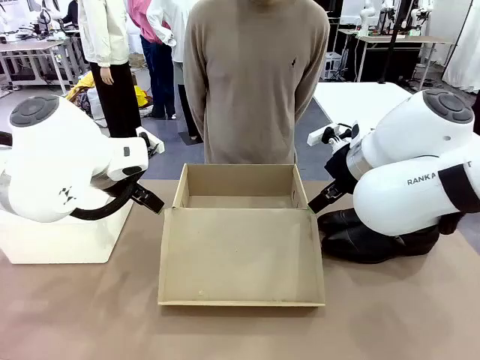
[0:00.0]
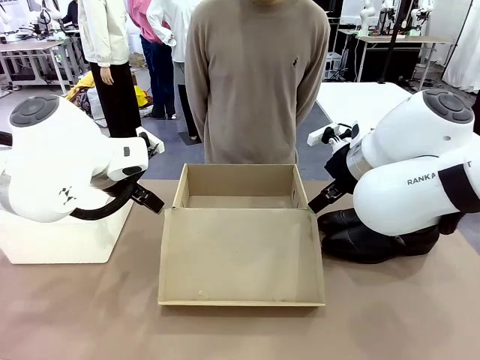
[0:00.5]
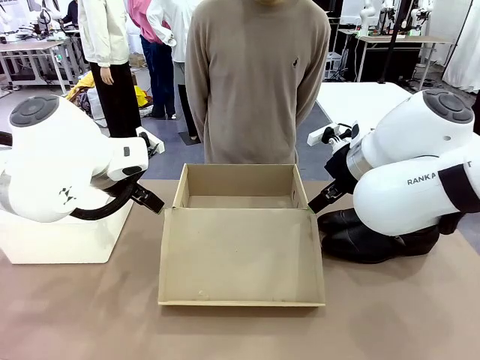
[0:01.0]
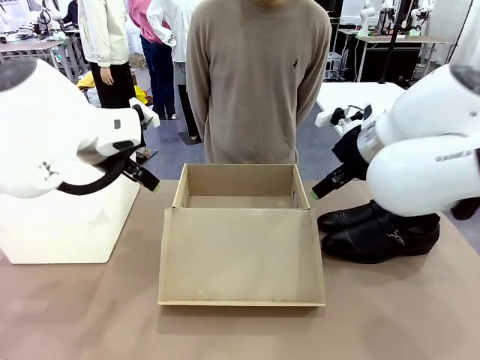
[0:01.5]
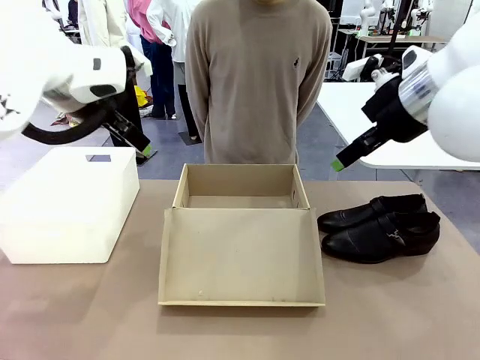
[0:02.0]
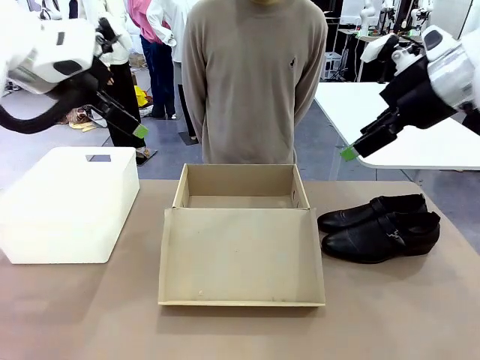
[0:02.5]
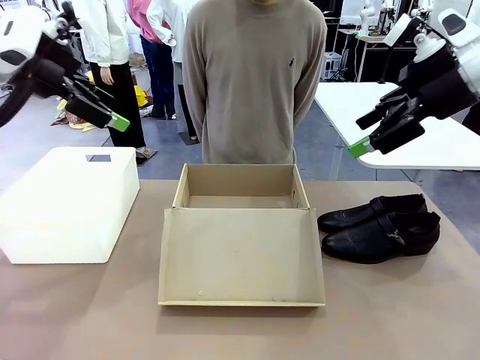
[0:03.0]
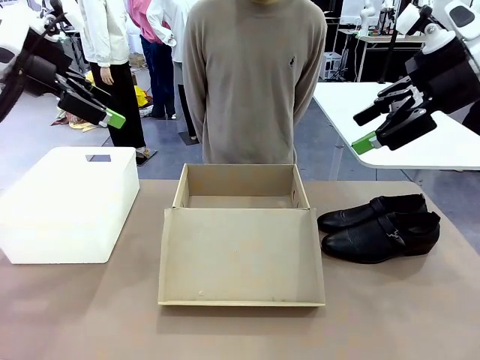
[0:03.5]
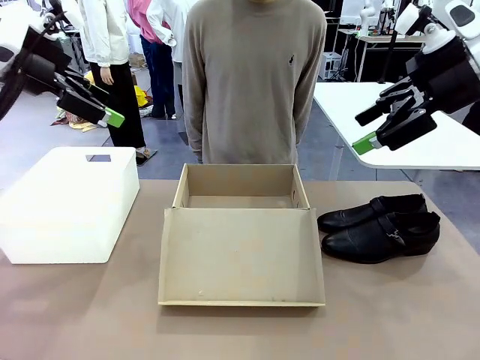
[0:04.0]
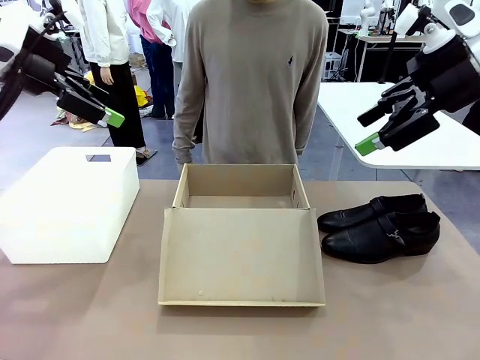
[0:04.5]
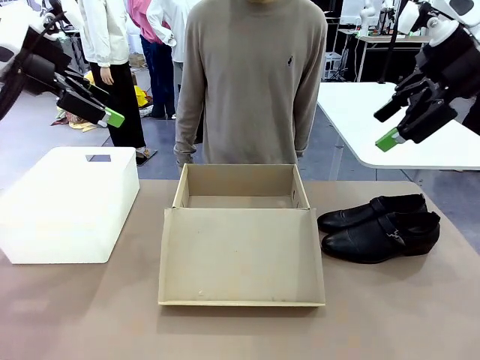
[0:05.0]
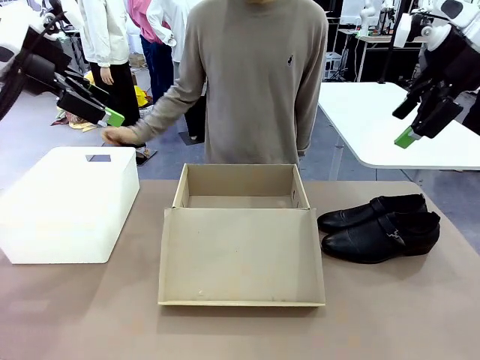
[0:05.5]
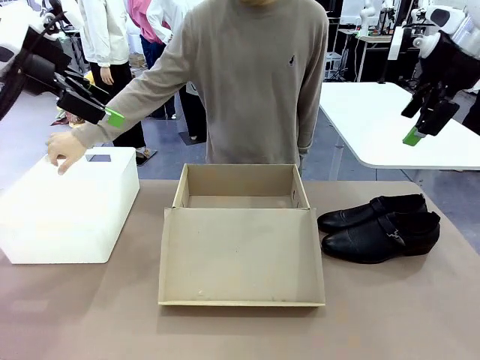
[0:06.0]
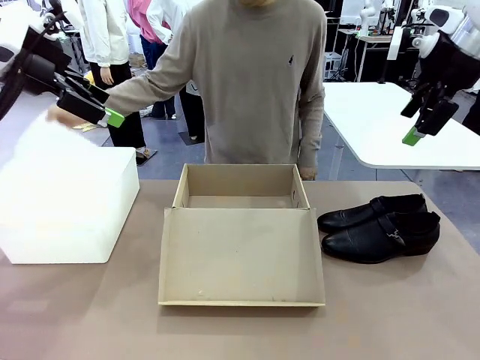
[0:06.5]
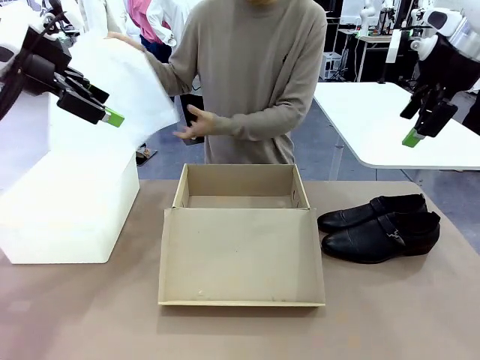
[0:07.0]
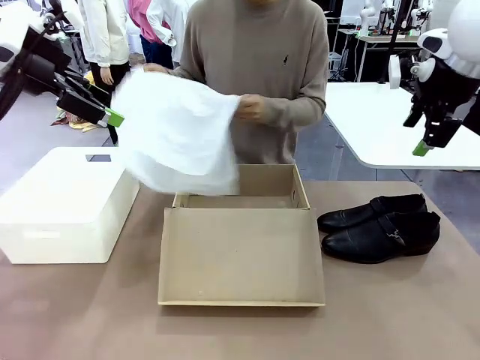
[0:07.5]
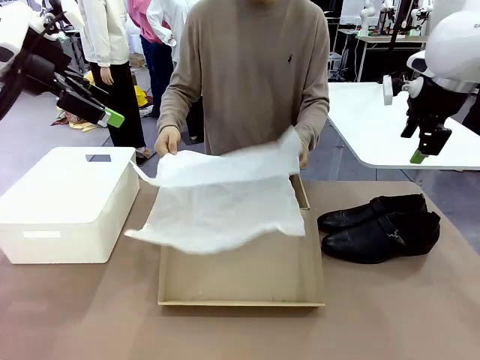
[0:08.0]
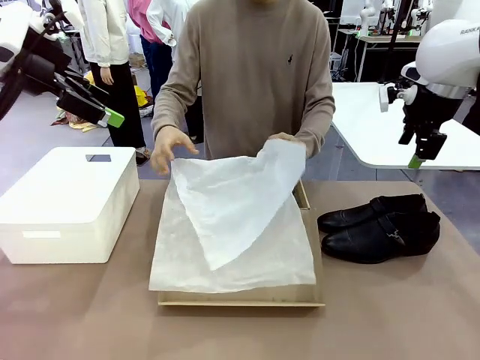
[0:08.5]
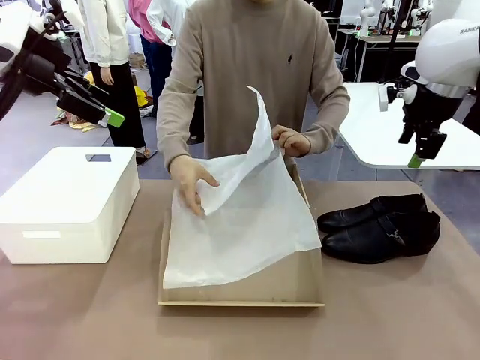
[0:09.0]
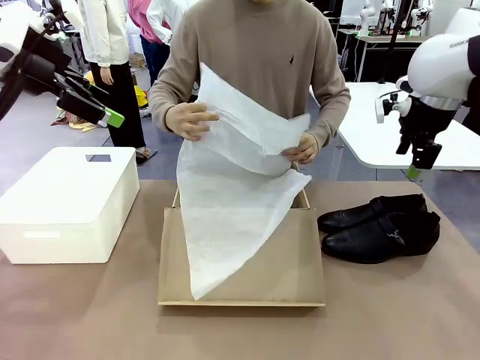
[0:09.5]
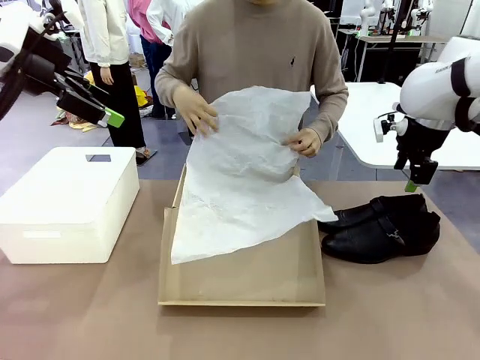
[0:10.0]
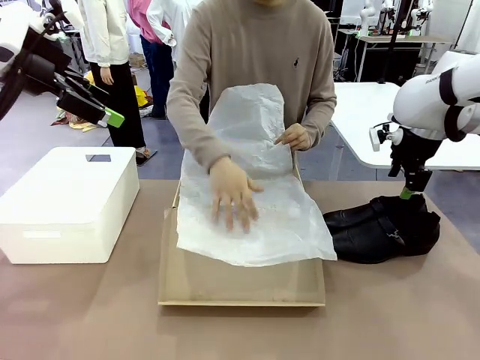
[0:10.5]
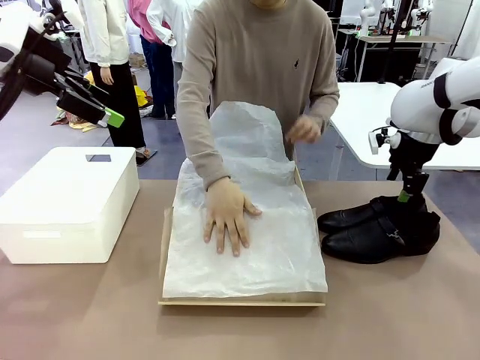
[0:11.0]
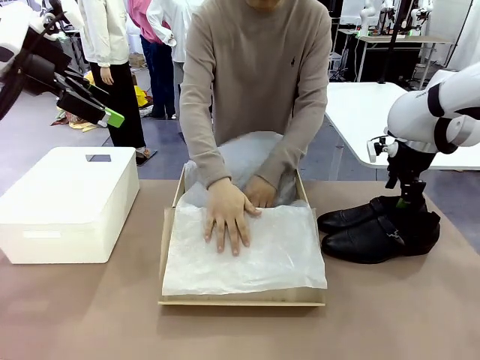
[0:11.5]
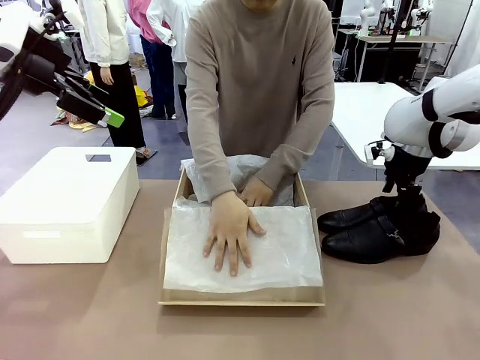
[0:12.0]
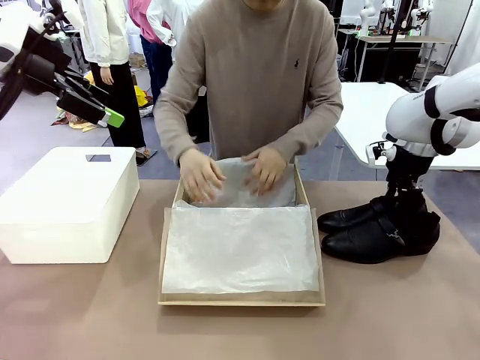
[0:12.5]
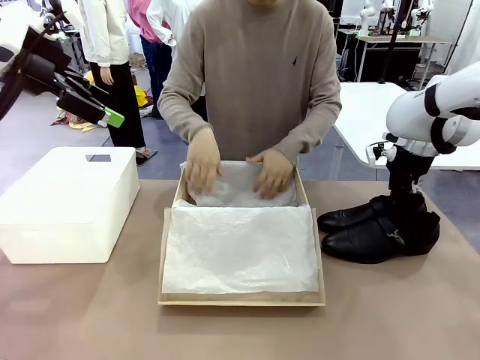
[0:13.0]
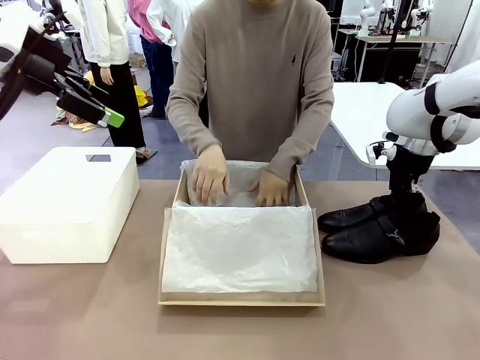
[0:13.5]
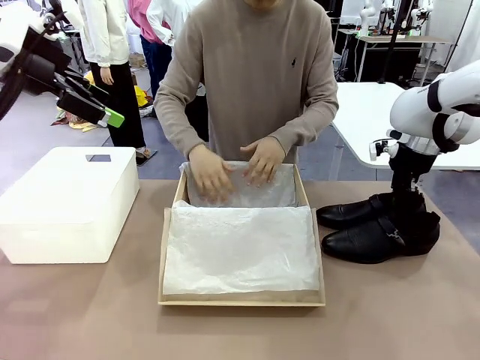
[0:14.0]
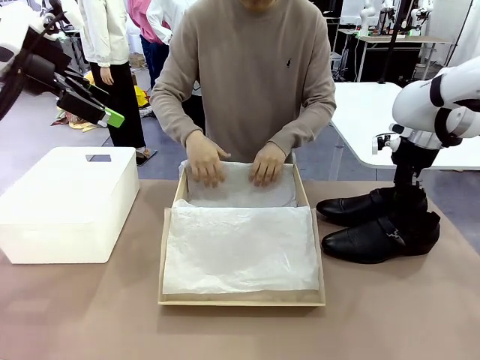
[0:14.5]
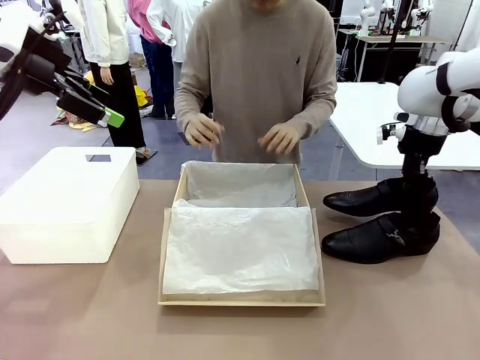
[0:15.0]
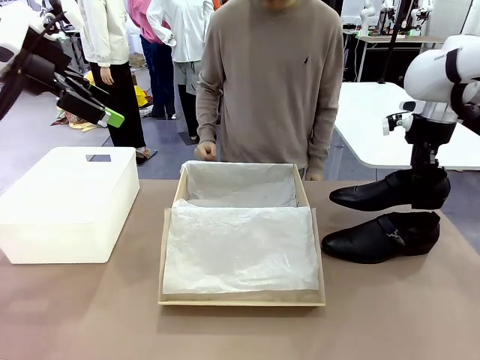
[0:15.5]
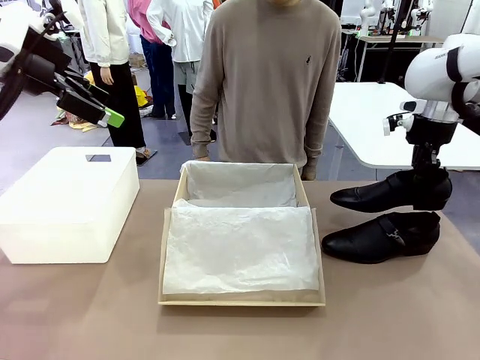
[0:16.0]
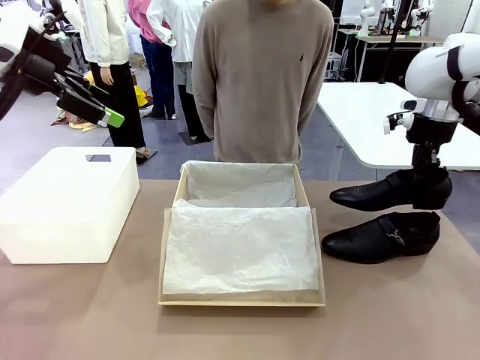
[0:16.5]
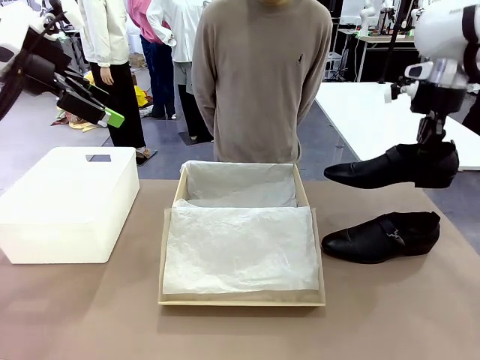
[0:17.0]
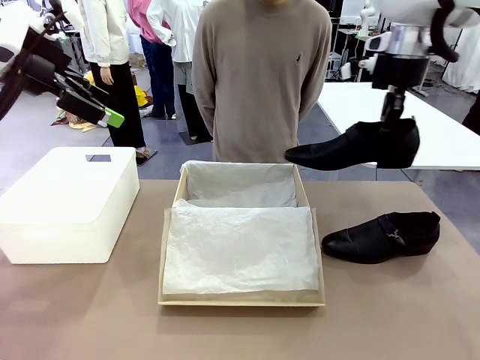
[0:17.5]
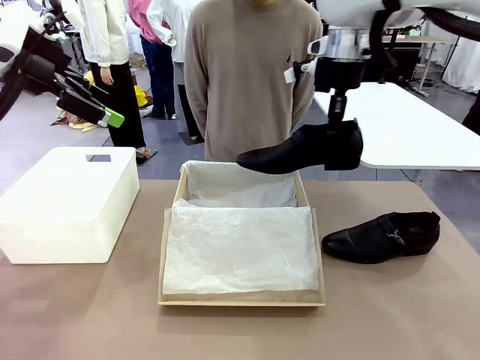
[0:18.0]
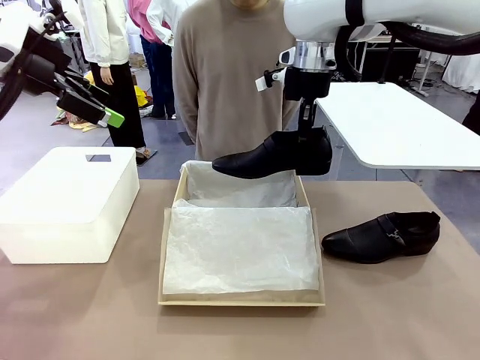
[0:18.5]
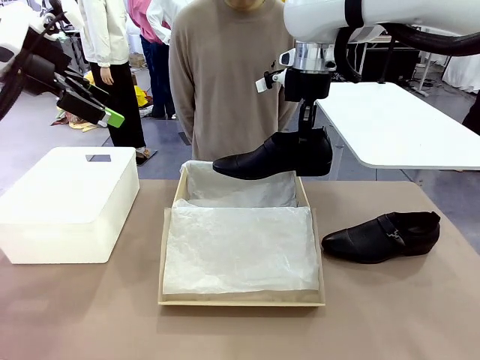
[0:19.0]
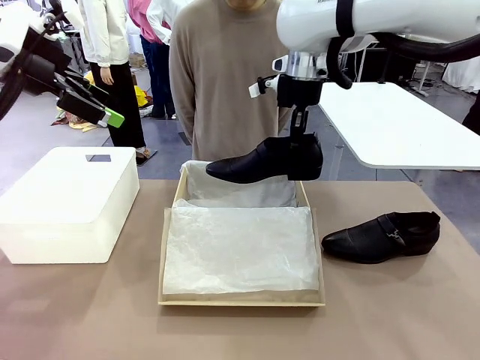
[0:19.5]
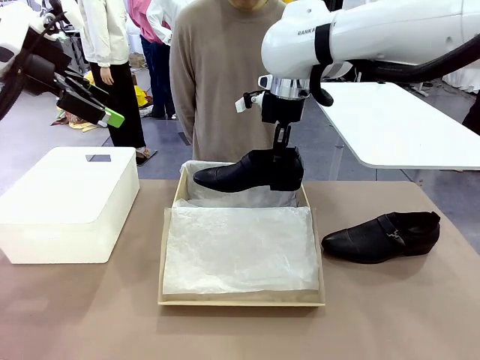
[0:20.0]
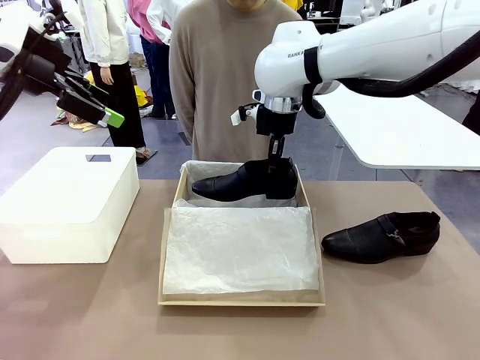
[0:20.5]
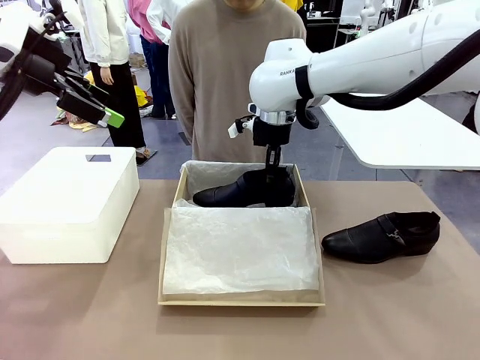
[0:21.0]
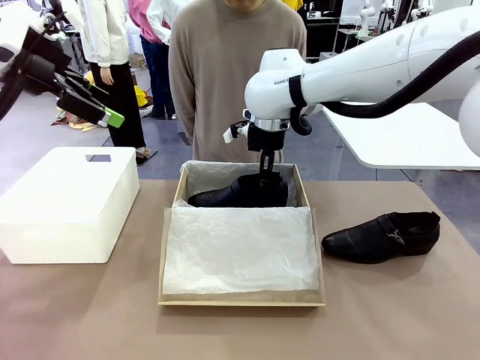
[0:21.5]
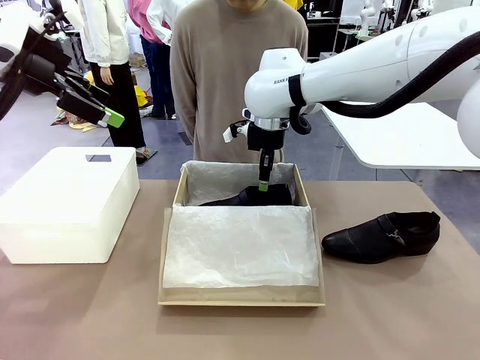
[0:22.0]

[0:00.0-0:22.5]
Task: Pack the shoes into the box.
Robot: Place one shoe of the Shoes into the Shoes Box.
Person: Spread Shoes Wrapping Paper and place inside the Shoes Box.

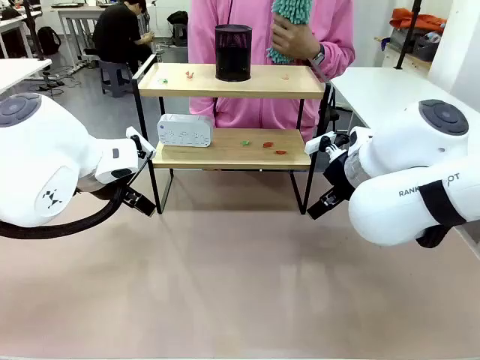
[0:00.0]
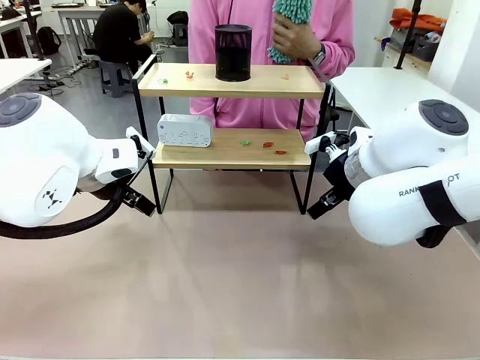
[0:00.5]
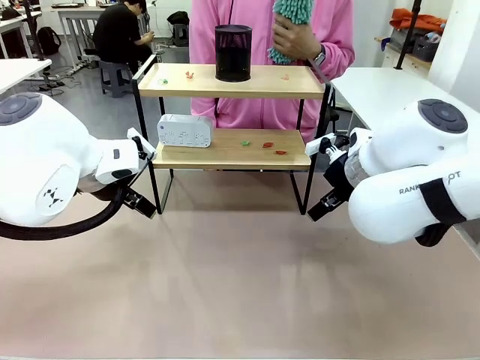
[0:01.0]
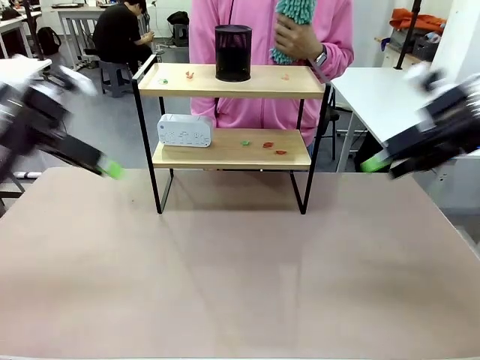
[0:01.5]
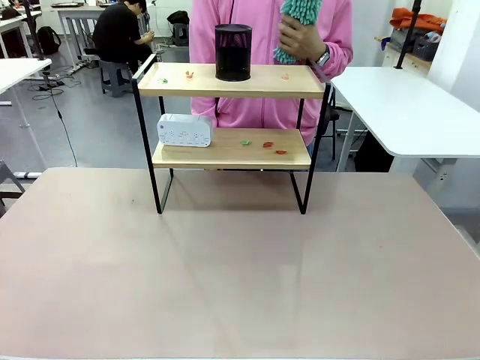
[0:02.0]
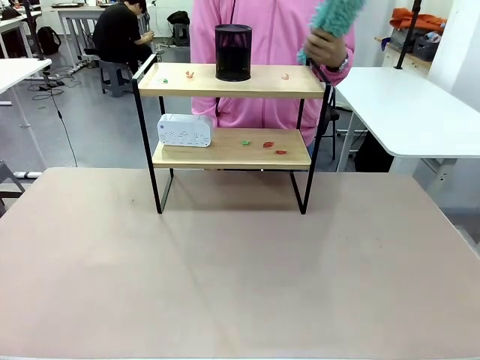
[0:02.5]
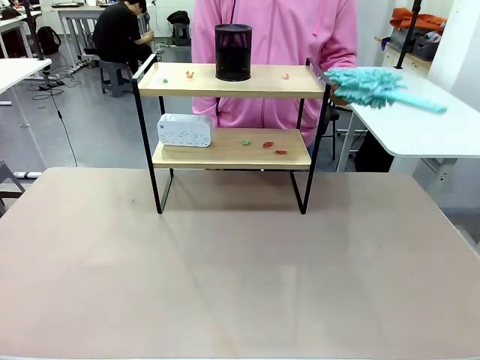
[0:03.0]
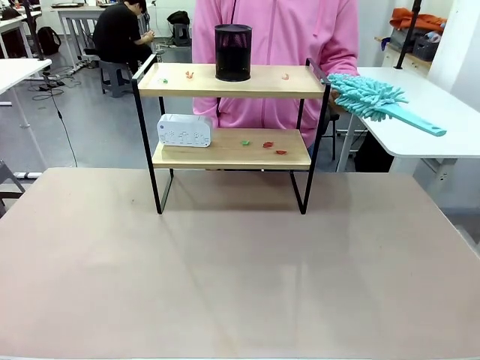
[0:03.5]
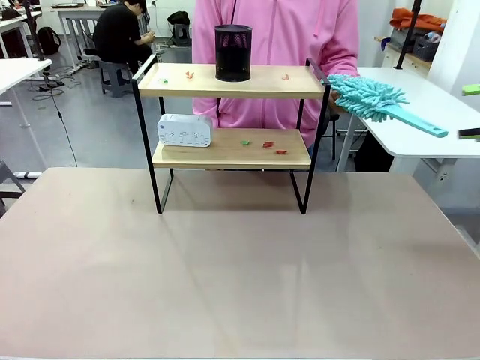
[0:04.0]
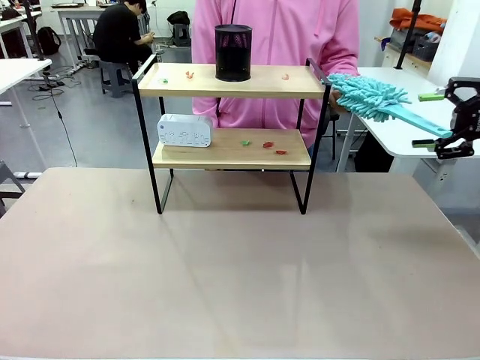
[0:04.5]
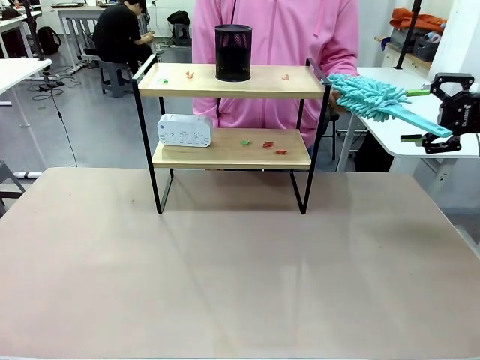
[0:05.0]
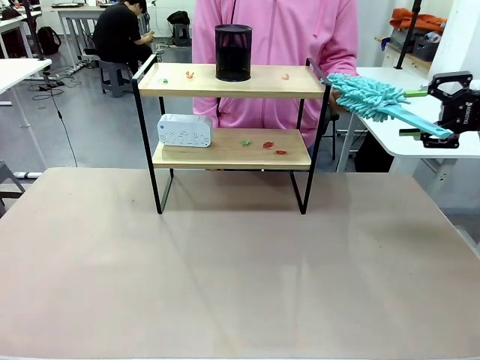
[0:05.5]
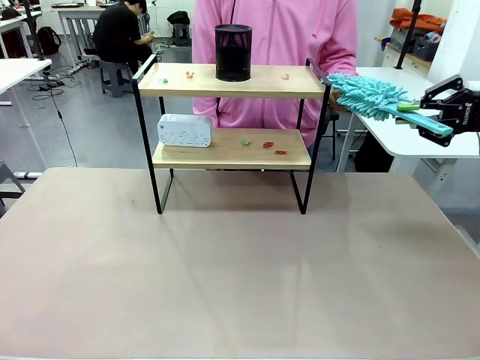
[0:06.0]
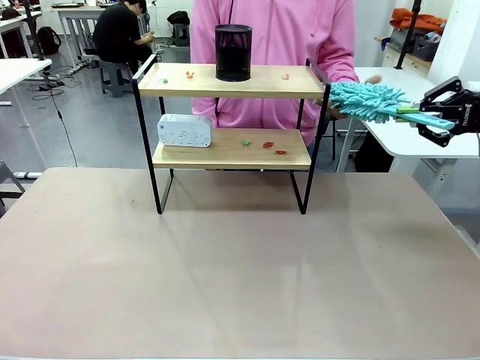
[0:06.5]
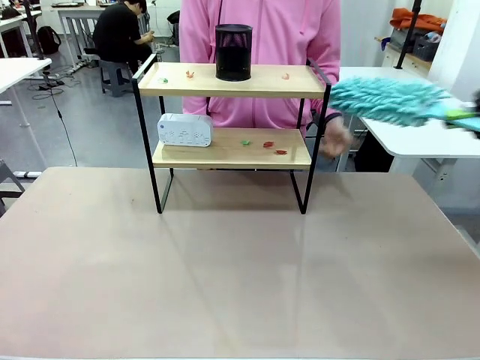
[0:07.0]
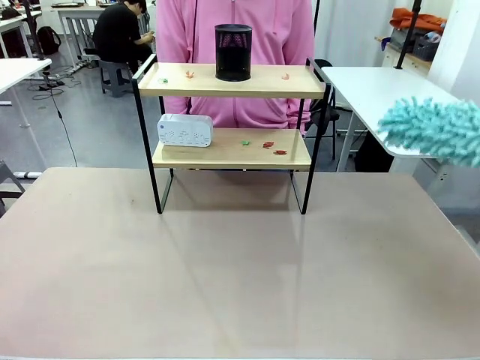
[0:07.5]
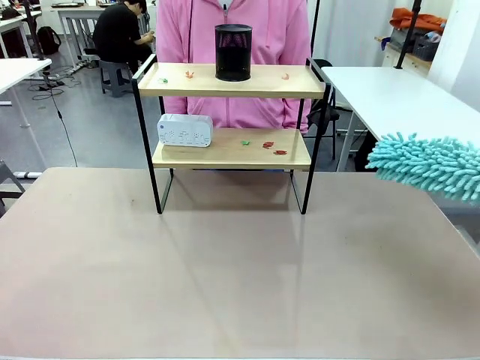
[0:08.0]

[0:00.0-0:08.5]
Task: Clean the shelf.
Robot: Pick up the Duster from the human.
Person: Hand the Duster to the robot.
